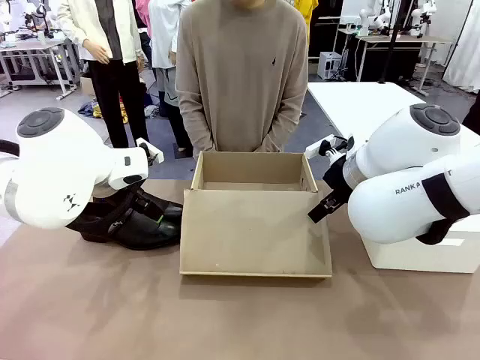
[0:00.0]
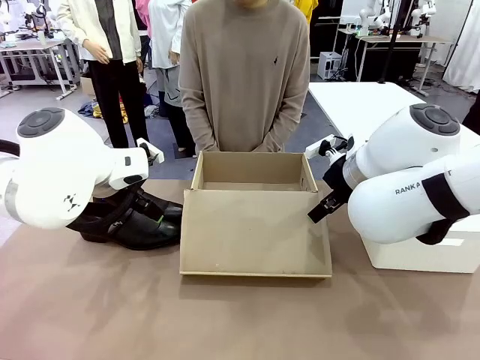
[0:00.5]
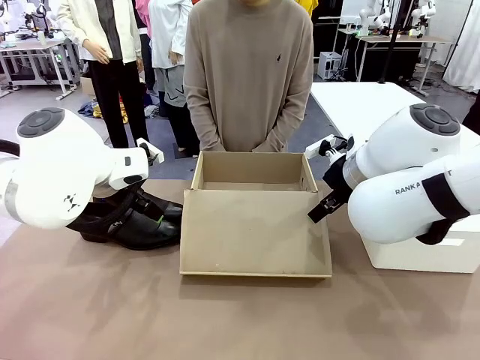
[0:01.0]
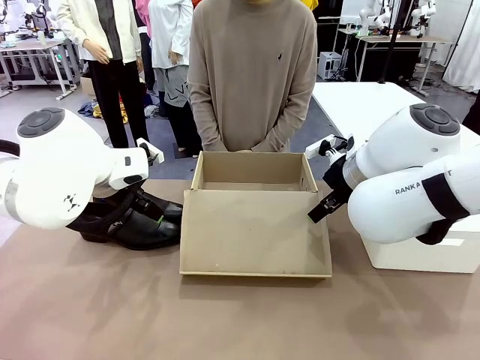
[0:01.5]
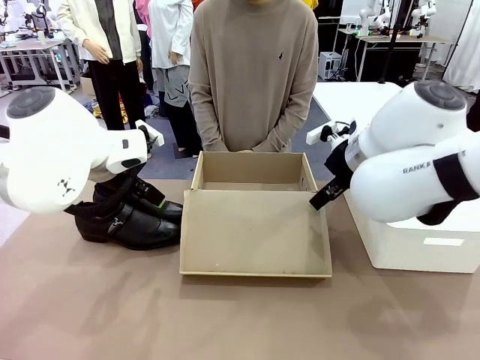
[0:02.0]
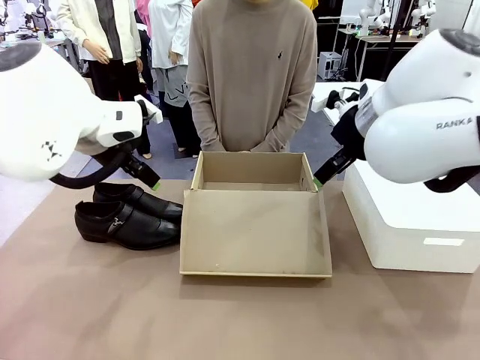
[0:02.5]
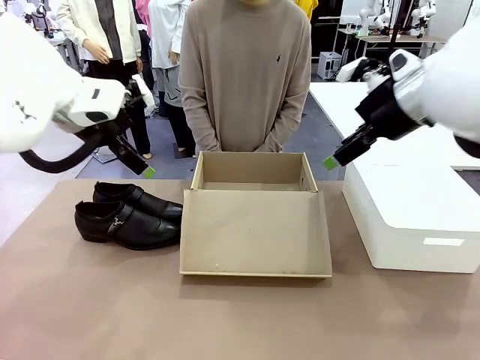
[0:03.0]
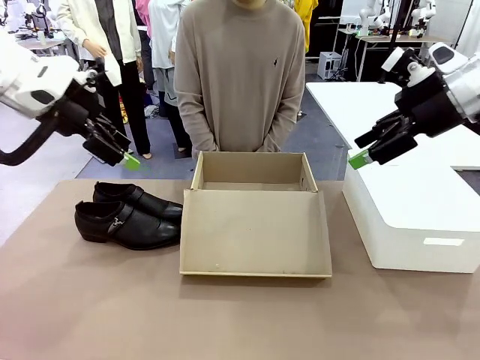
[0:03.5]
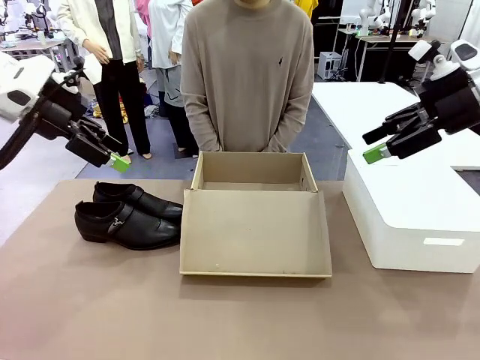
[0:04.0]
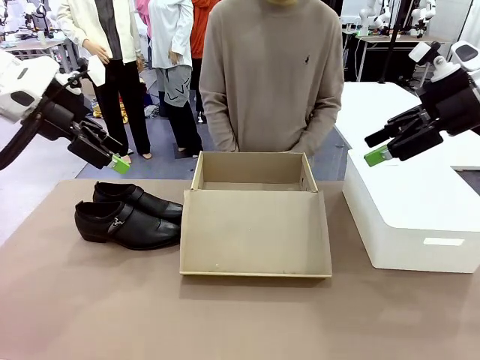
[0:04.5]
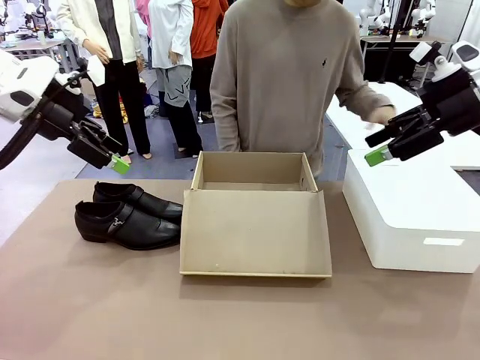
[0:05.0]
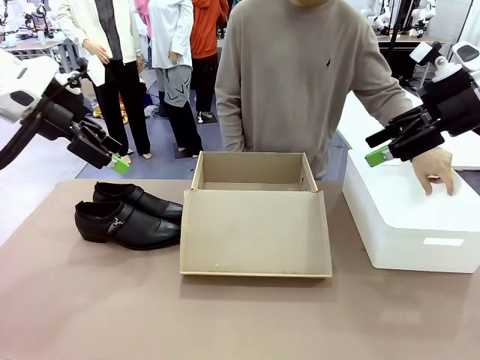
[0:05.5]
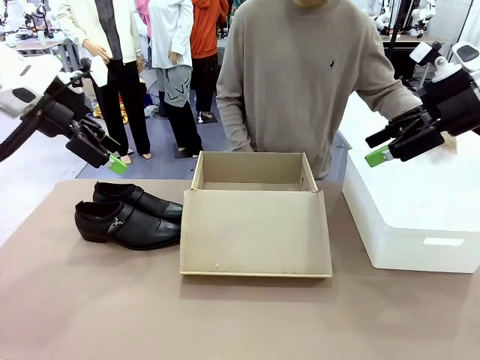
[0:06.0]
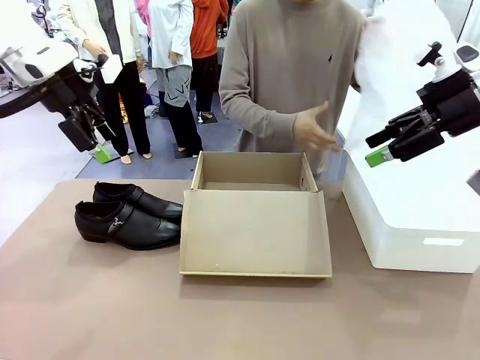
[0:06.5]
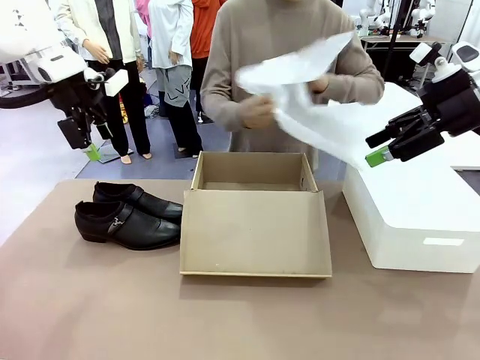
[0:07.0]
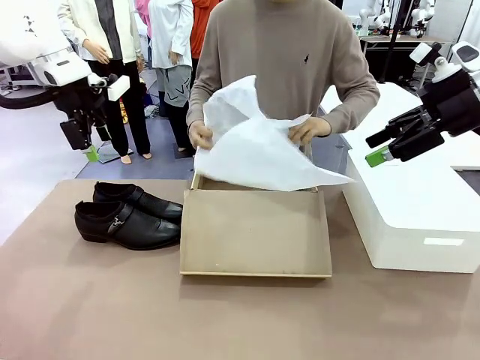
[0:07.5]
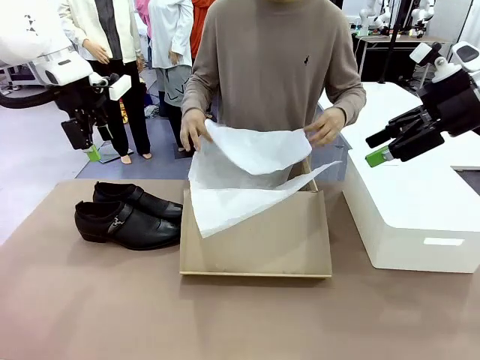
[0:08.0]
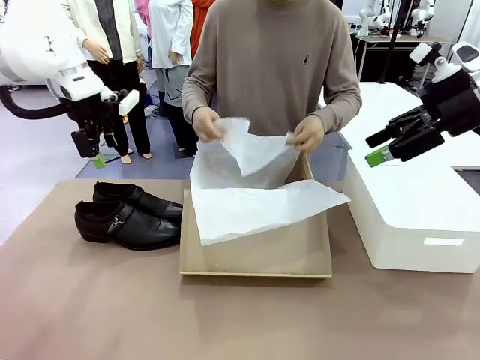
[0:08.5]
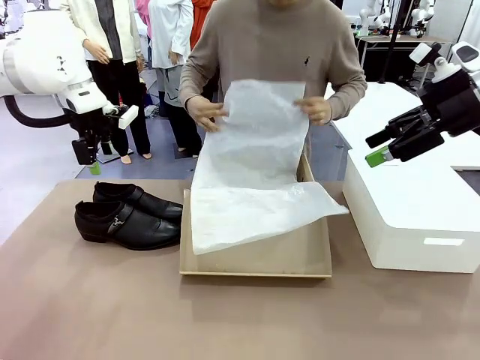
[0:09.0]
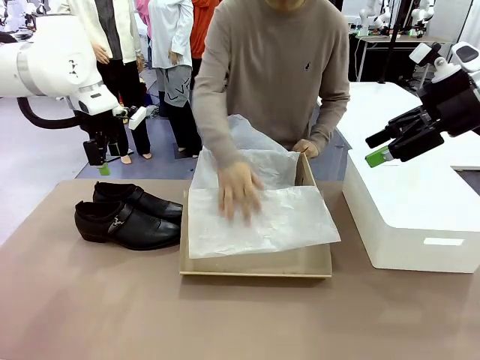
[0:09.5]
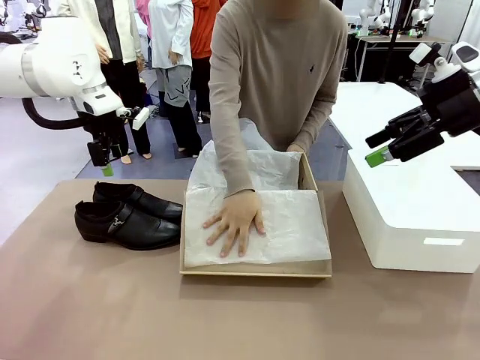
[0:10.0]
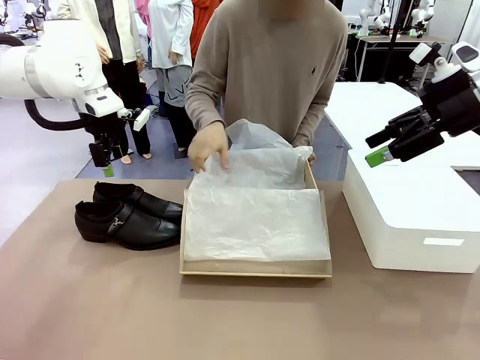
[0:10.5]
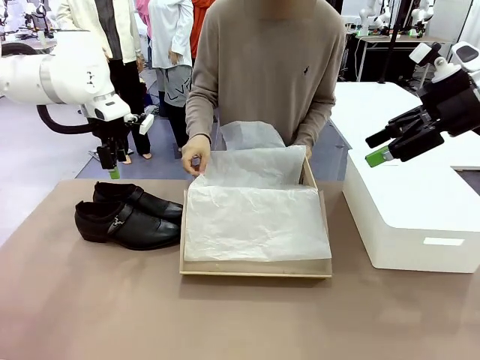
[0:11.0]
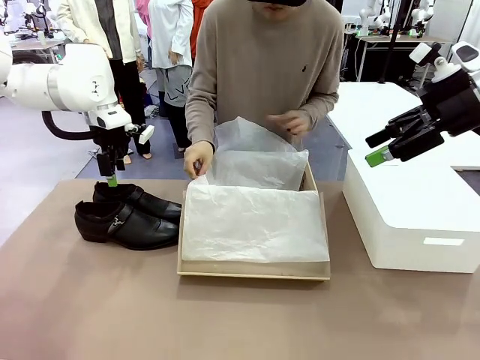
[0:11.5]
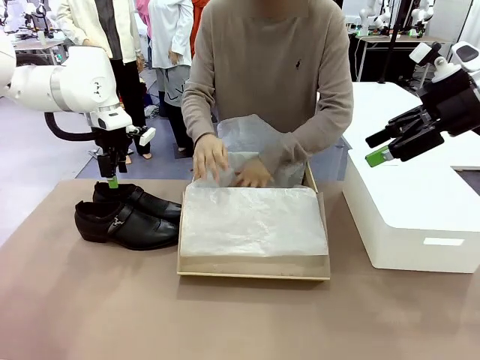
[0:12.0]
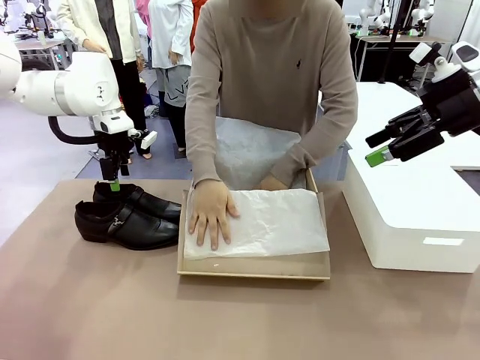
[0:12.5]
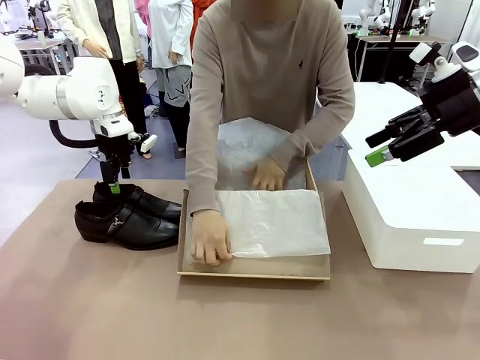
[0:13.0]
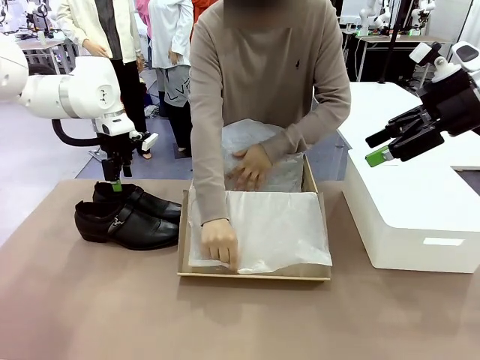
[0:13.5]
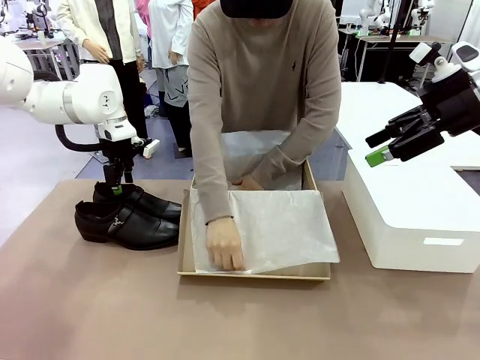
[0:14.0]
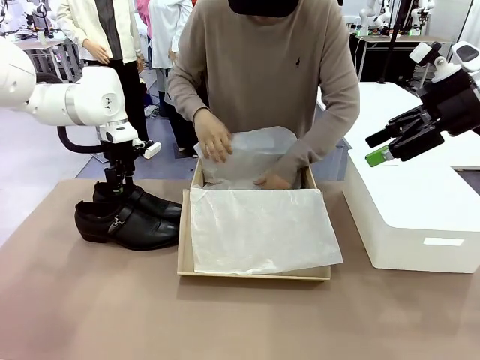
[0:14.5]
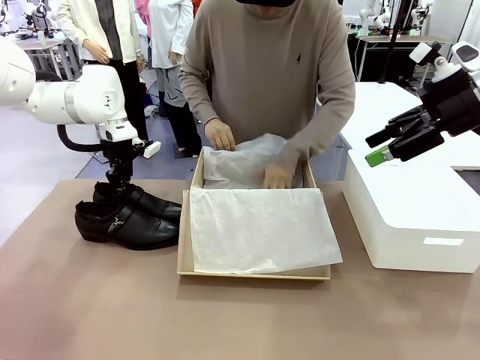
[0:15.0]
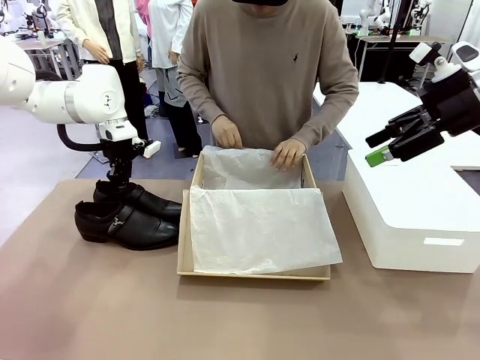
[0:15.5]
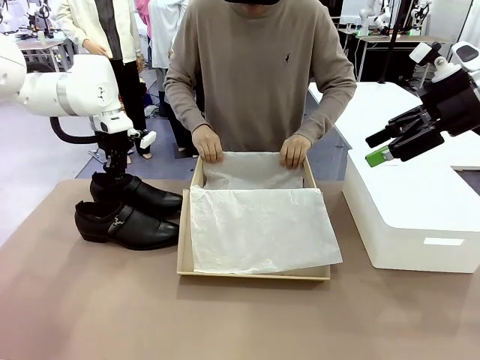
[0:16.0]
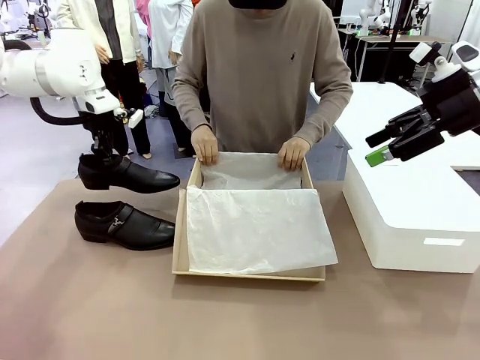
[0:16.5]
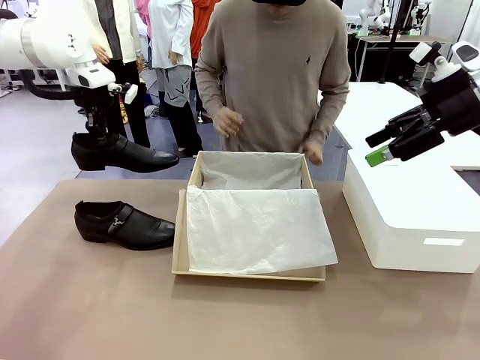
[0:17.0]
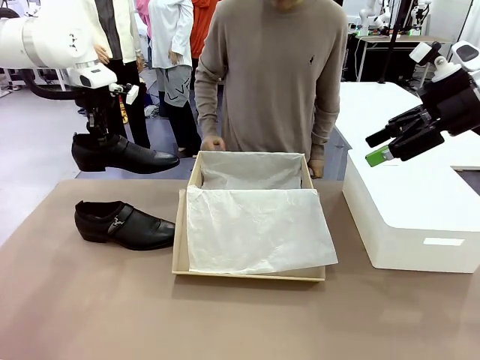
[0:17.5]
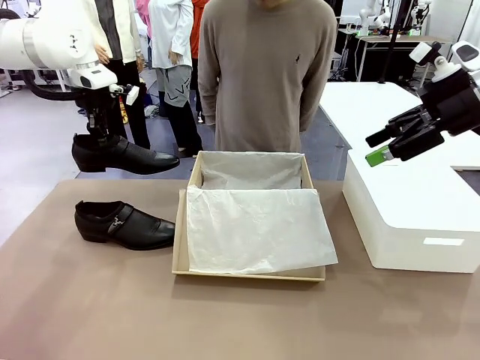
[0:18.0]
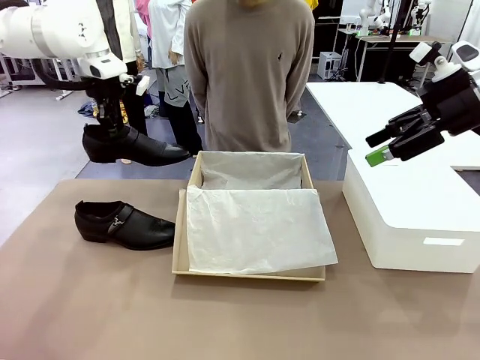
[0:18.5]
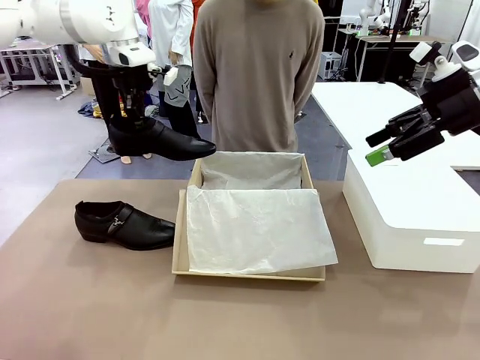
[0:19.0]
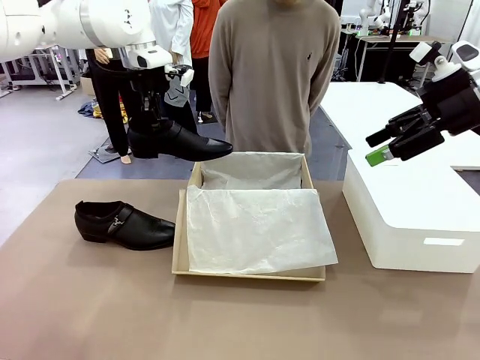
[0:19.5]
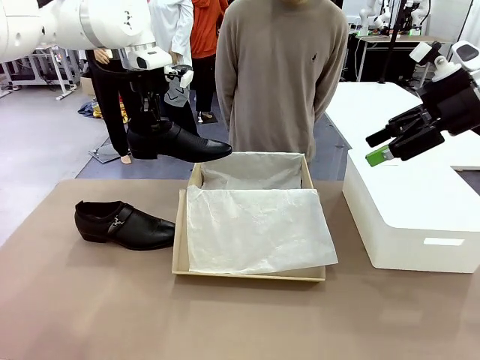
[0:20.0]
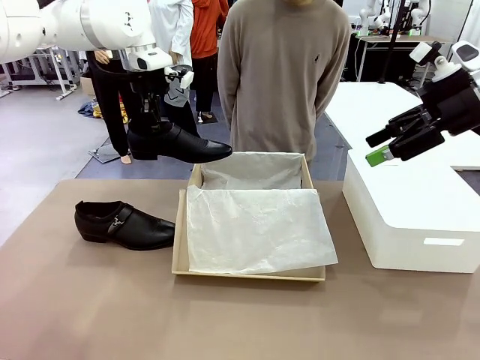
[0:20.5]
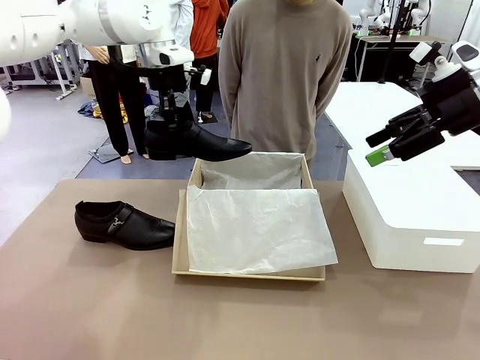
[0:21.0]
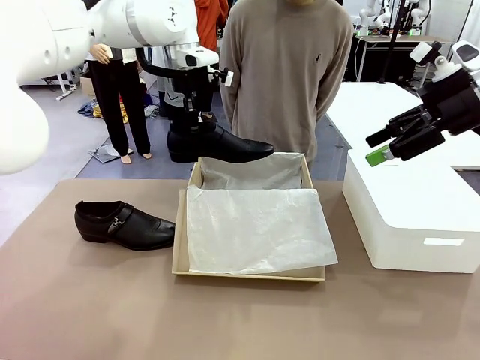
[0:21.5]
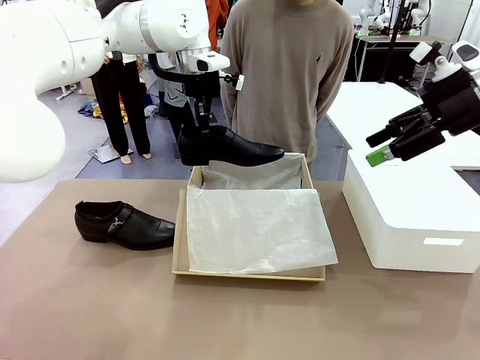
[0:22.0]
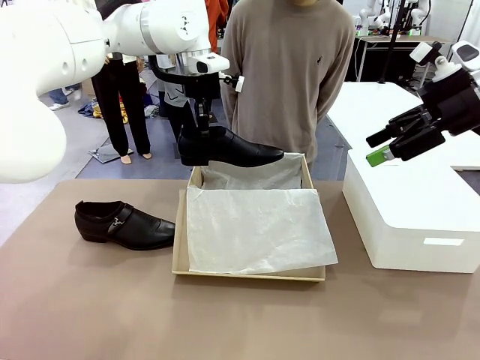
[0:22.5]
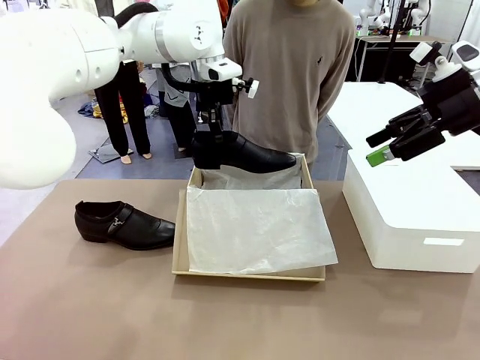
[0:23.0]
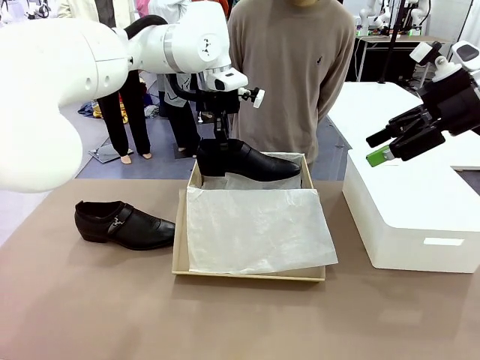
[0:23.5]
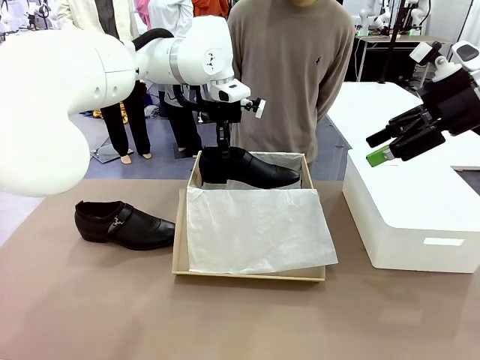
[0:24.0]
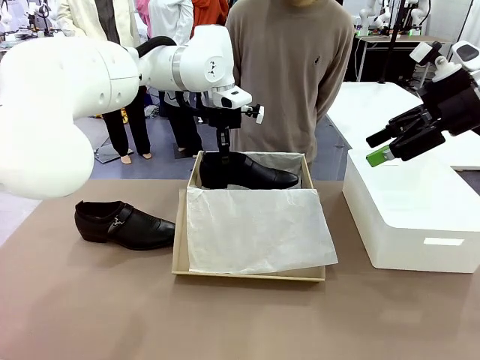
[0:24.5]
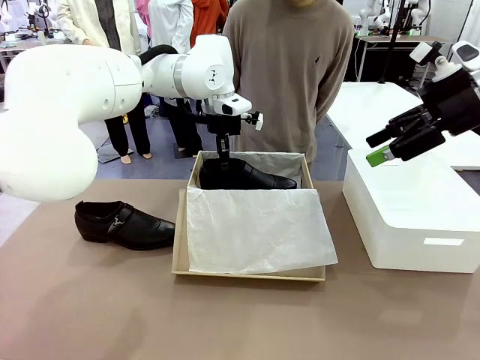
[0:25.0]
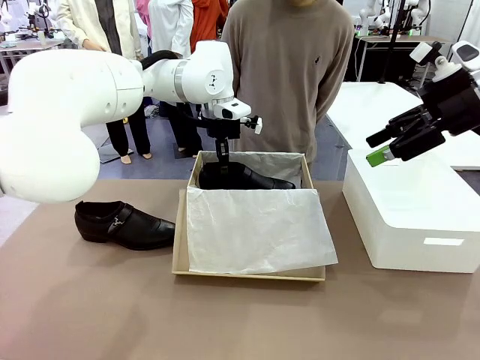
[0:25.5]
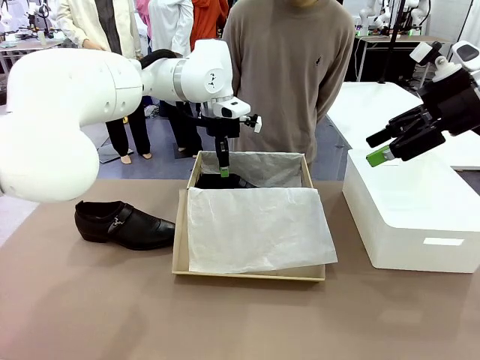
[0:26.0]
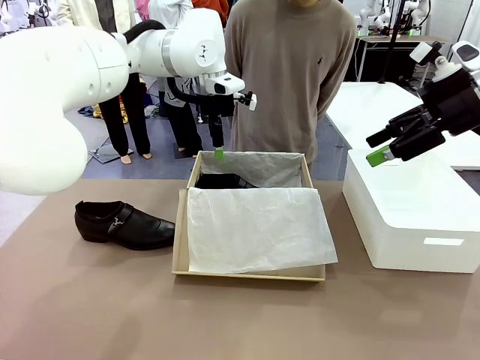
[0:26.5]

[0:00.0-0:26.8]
Task: Pack the shoes into the box.
Robot: Place one shoe of the Shoes into the Shoes Box.
Person: Spread Shoes Wrapping Paper and place inside the Shoes Box.
